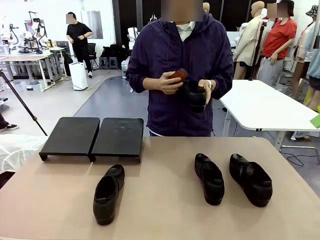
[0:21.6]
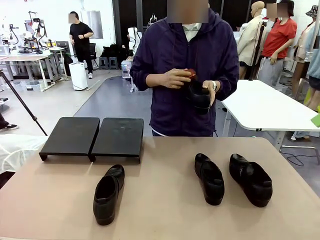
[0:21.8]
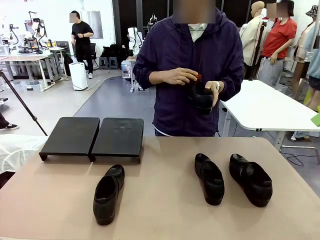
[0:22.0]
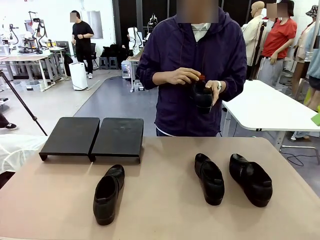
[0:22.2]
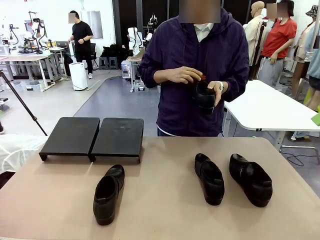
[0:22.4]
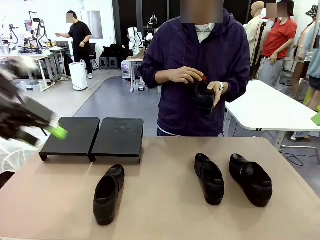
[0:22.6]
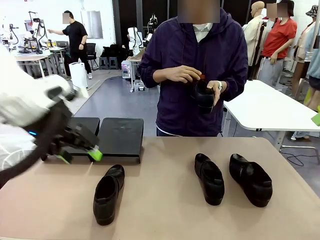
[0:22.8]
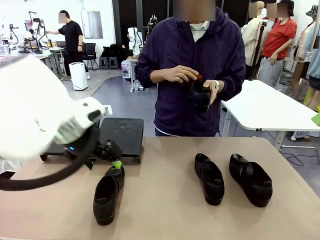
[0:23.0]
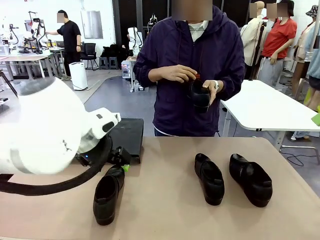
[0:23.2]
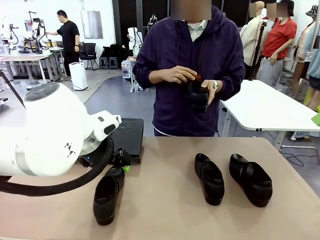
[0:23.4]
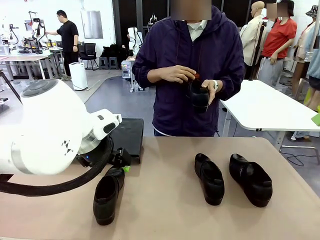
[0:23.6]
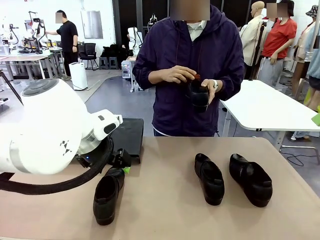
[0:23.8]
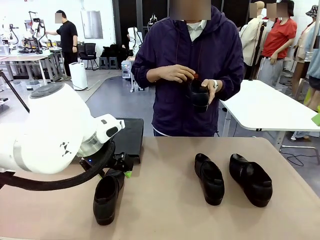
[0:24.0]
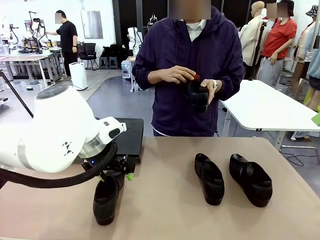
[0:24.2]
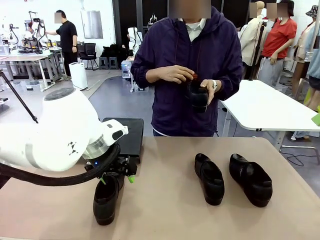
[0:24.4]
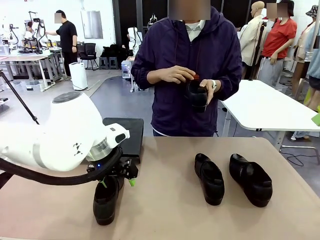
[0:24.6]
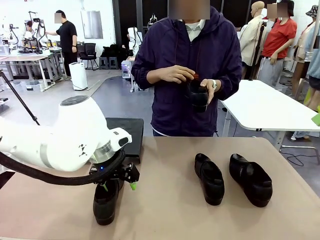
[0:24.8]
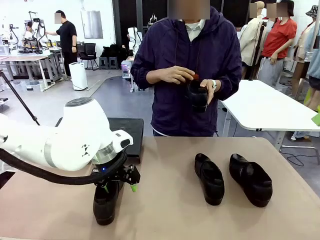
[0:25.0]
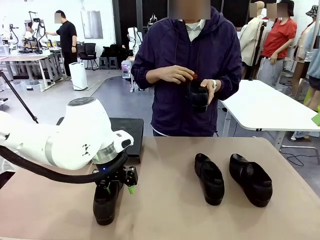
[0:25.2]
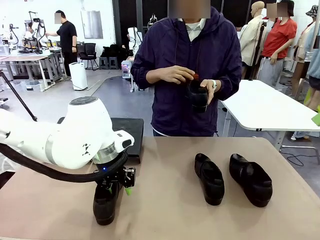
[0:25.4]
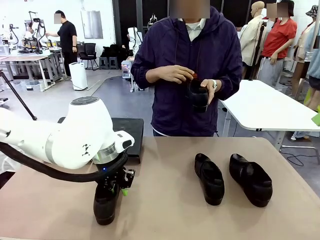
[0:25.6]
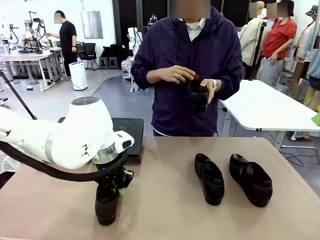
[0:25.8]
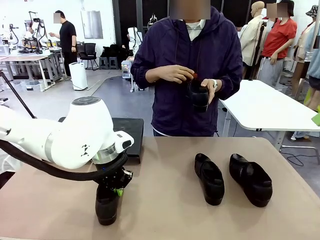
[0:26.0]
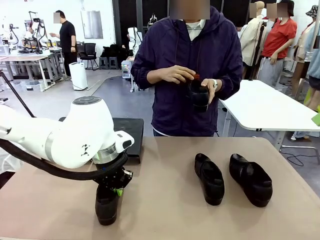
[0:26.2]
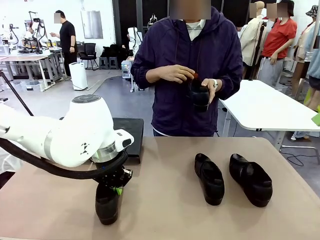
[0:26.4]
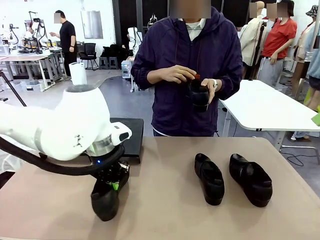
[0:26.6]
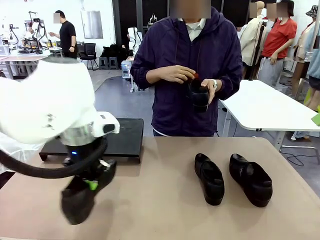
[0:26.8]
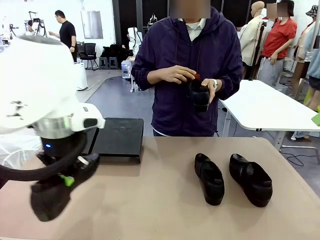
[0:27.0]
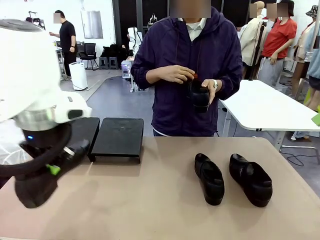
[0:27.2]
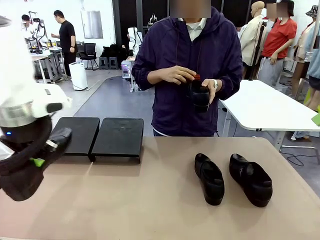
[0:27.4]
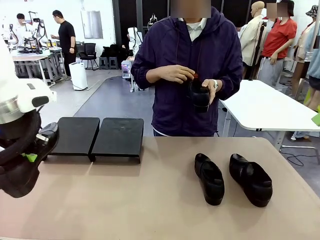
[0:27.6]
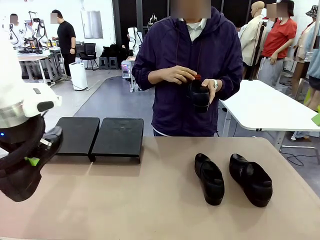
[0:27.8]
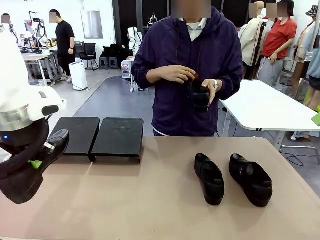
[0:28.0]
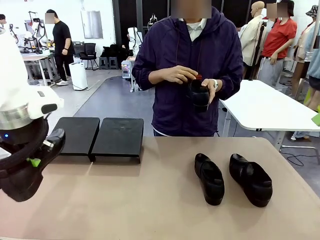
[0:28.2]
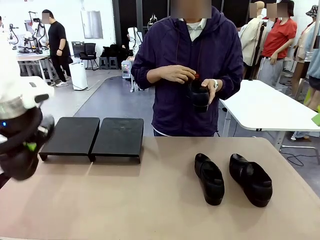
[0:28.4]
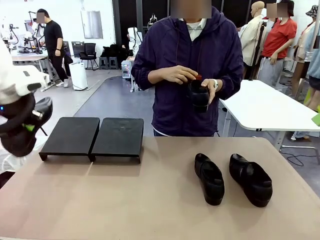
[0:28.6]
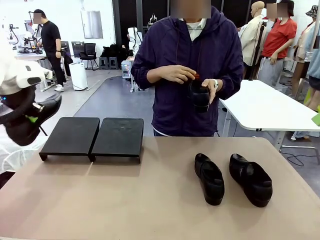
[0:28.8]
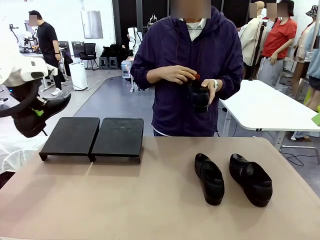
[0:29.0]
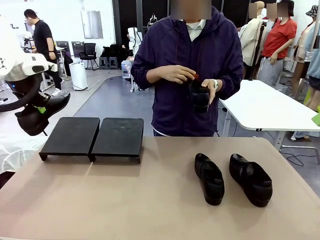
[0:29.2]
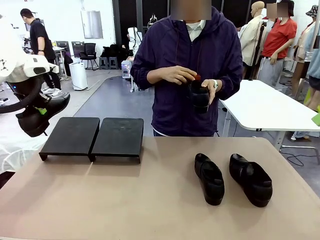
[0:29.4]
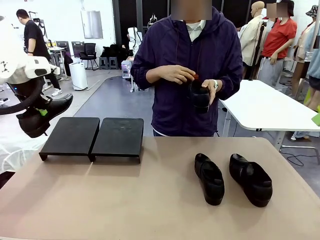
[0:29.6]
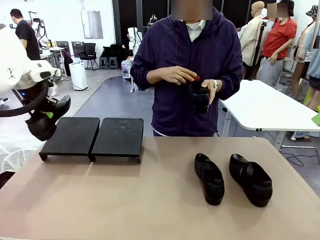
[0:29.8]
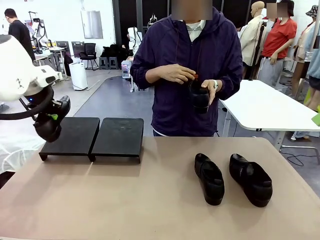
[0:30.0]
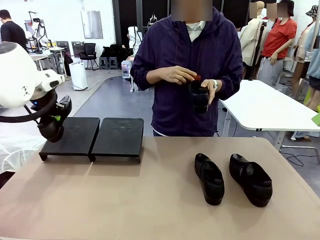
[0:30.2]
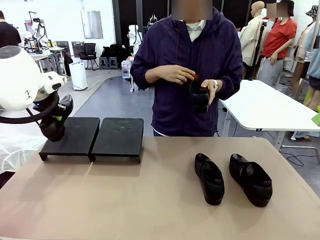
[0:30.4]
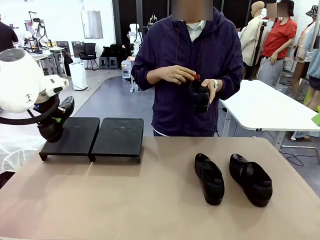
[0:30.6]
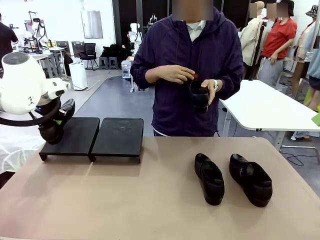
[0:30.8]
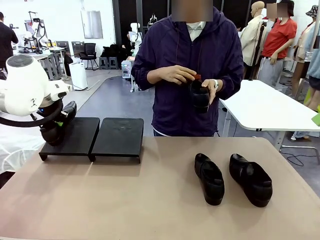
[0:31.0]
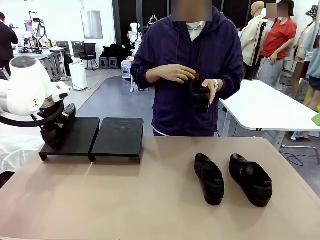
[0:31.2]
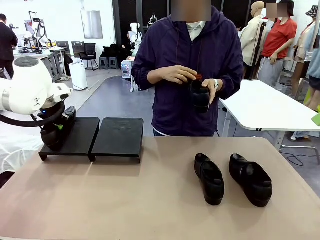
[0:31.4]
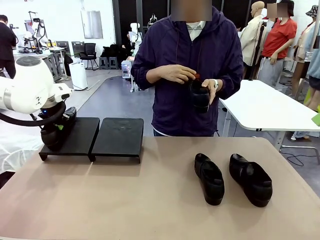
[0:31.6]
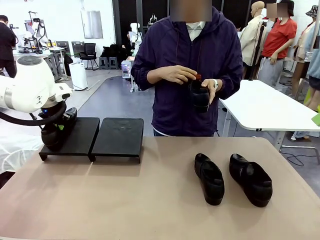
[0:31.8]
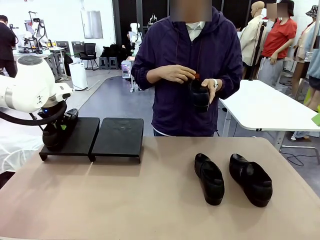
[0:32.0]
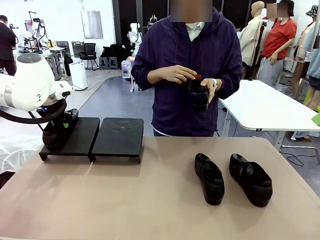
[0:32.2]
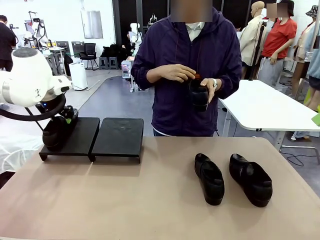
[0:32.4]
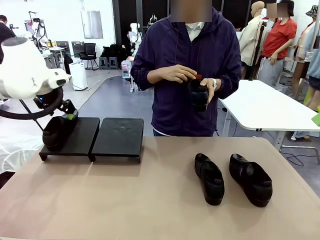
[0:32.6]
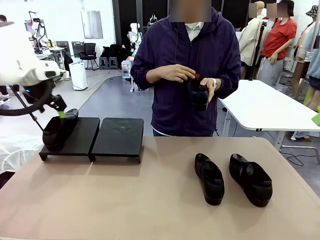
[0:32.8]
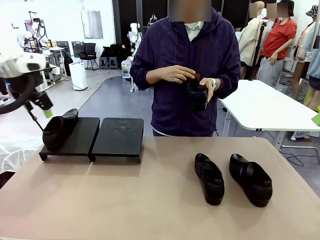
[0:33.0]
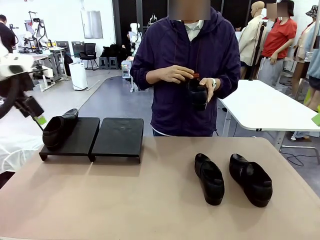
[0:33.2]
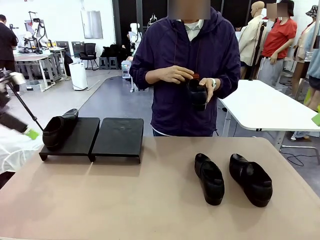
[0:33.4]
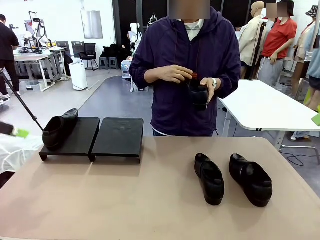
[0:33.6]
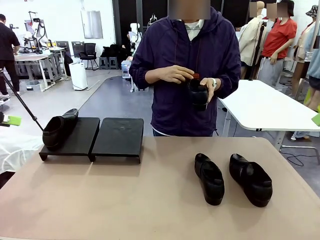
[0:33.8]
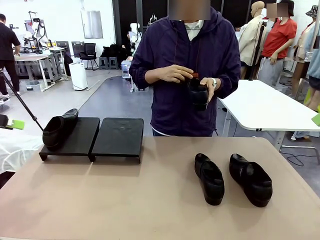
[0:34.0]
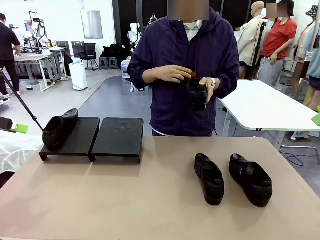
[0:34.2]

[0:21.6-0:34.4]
Task: Organize the shoes by placing them on the stand.
Robot: Place the Shoe from the middle of the table onto the Shoes Stand.
Person: Clean the Shoe with the Shoe Brush.

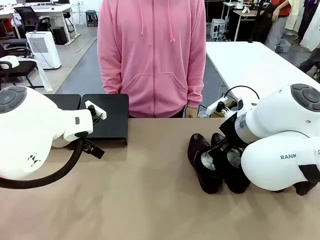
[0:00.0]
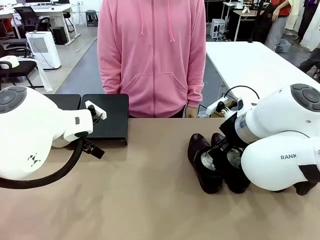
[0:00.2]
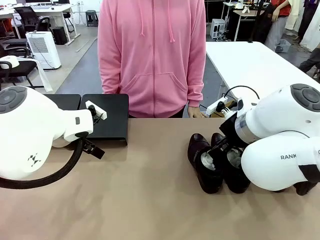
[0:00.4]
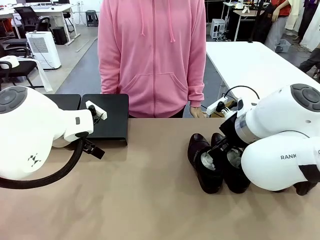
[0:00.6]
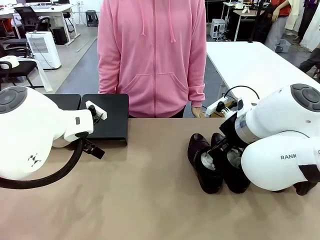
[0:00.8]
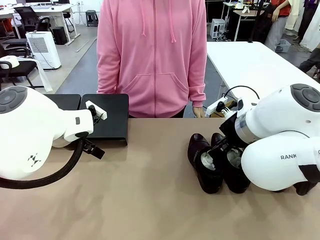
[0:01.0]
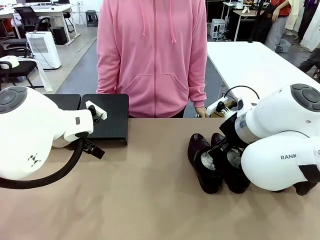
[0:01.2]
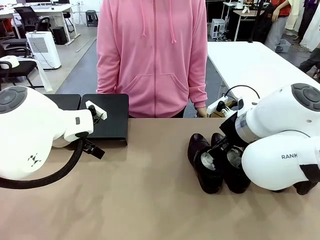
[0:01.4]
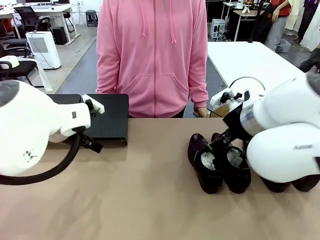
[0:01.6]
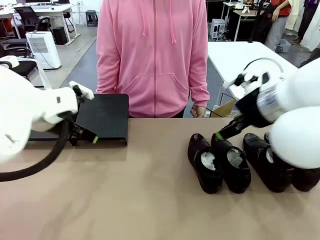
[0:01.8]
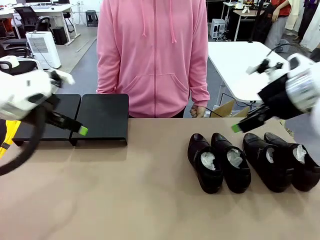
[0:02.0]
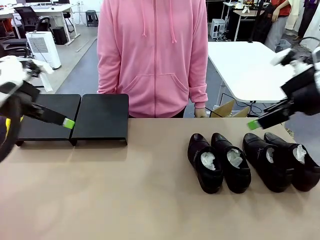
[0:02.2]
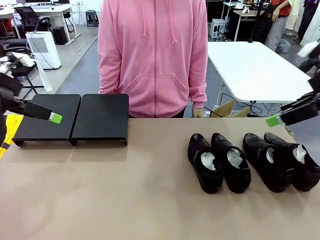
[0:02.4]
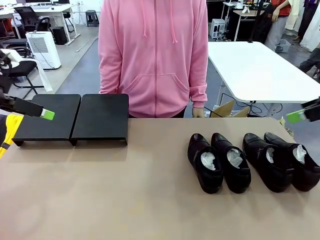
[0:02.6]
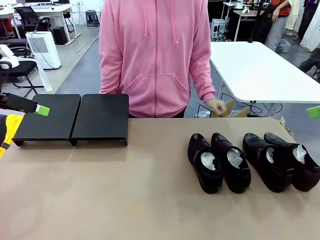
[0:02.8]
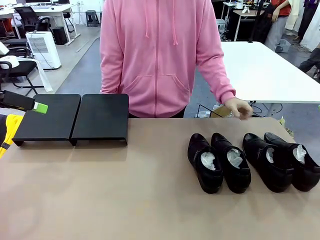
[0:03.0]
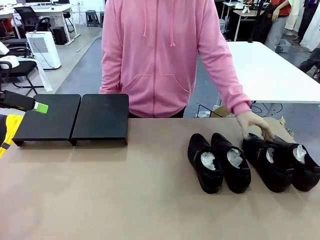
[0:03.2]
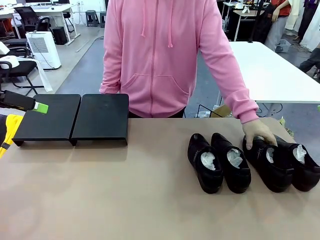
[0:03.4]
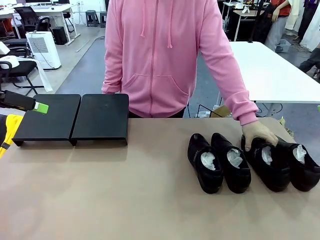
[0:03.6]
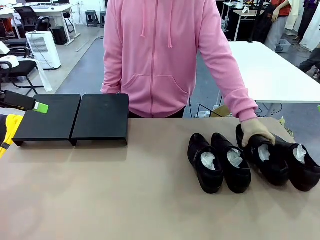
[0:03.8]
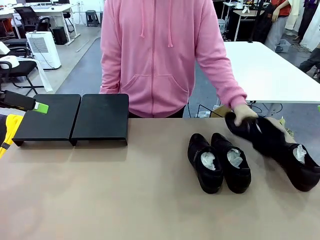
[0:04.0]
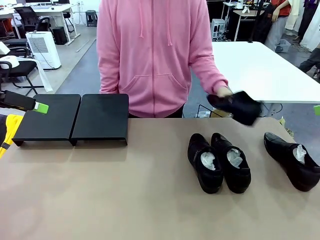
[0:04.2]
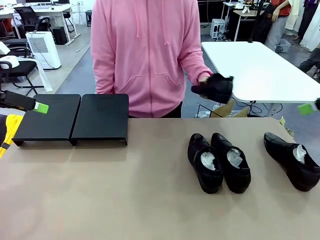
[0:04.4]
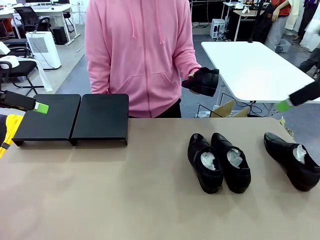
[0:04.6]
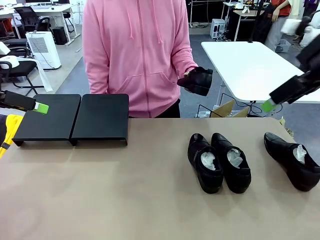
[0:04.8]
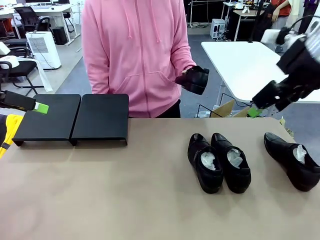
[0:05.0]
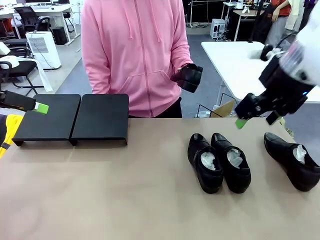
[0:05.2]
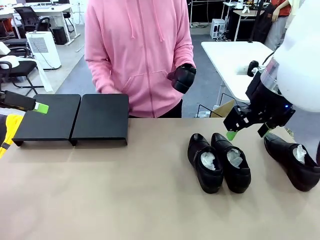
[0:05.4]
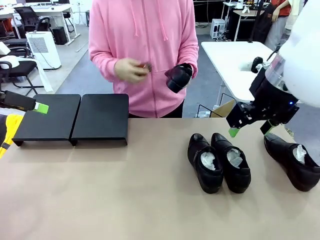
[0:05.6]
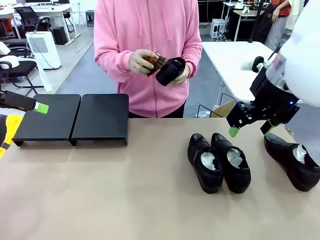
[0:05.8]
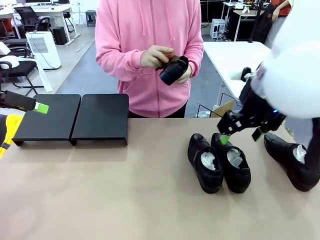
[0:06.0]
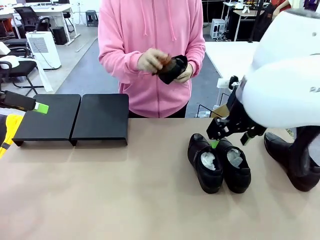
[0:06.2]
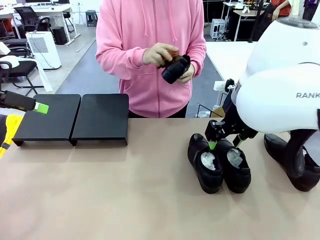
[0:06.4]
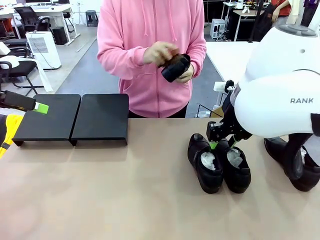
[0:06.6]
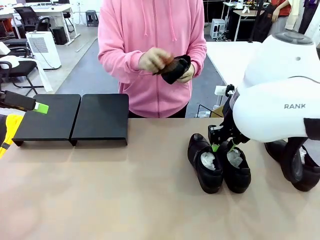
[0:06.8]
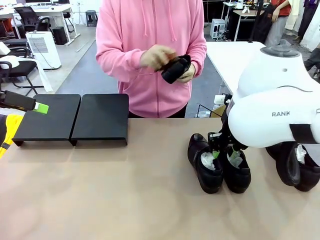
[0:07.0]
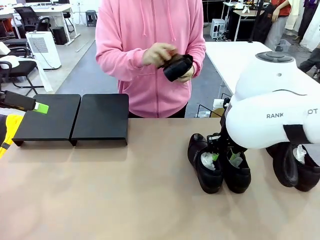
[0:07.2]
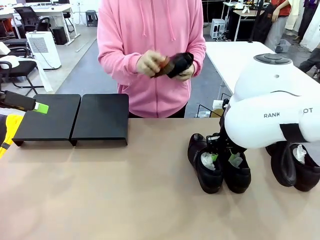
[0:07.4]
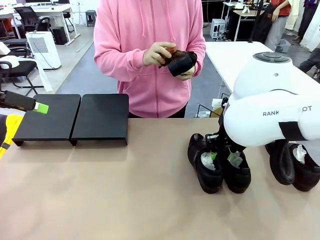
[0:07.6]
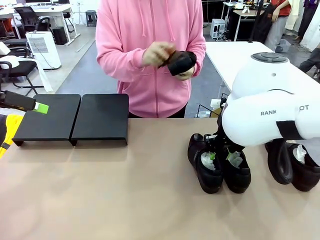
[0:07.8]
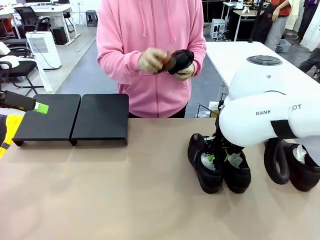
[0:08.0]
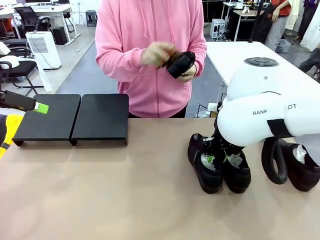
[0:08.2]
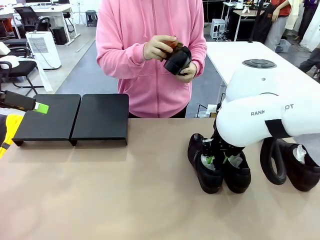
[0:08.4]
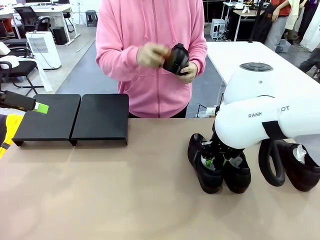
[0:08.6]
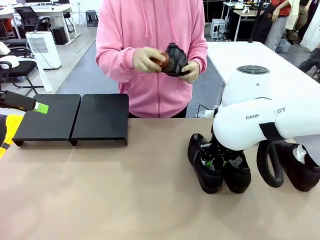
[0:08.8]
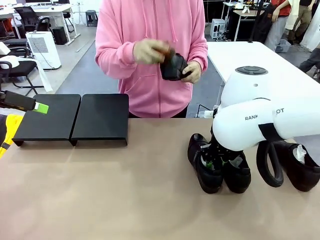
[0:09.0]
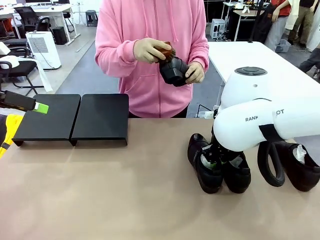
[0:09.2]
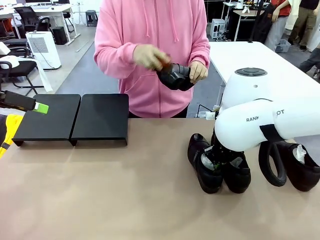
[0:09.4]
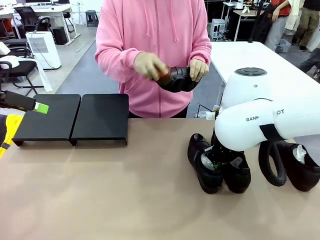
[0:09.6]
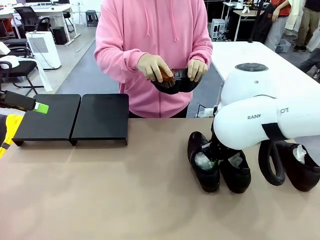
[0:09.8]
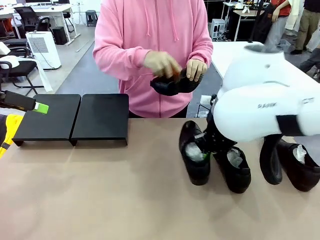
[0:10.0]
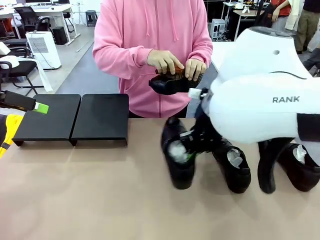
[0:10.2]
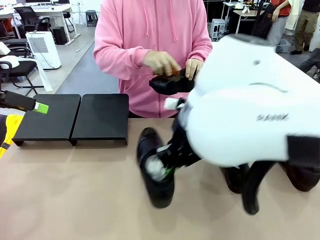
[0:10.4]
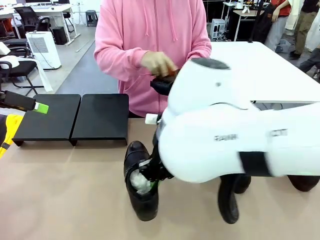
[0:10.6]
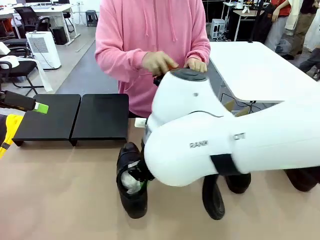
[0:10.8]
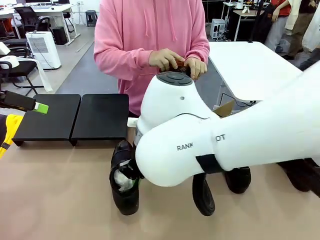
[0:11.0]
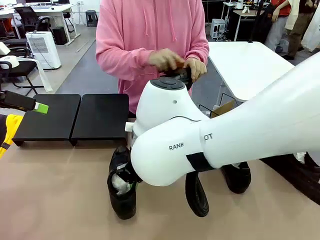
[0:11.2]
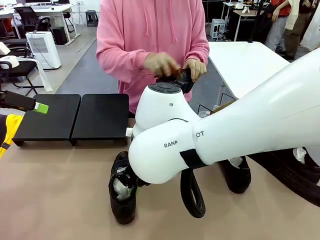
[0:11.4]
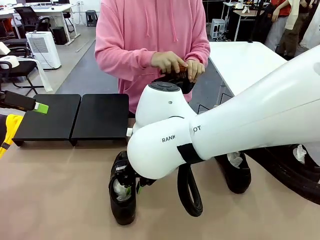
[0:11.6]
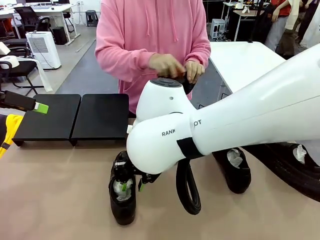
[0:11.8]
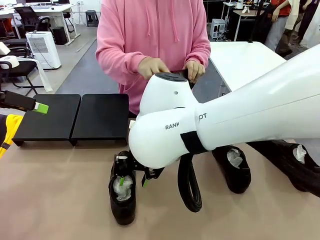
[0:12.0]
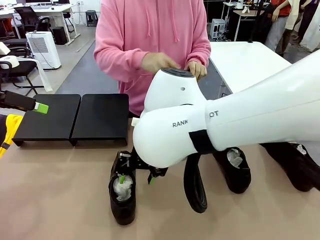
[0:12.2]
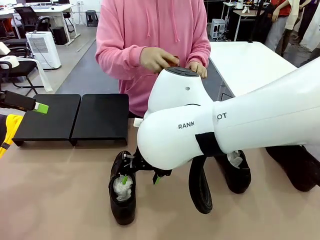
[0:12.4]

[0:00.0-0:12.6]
Task: Organize the shoes by placing them on the stand.
Robot: Pick up one Shoe and place it in the middle of the table.
Person: Pick one Shoe on Robot's table.
